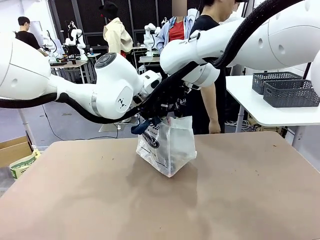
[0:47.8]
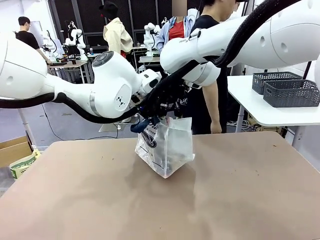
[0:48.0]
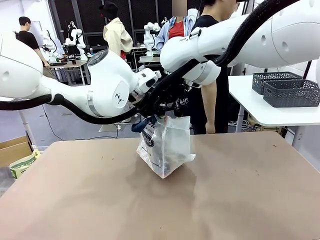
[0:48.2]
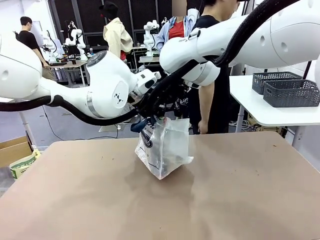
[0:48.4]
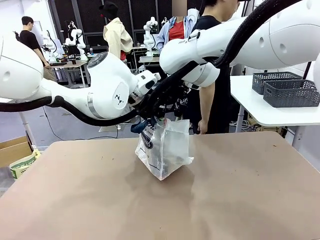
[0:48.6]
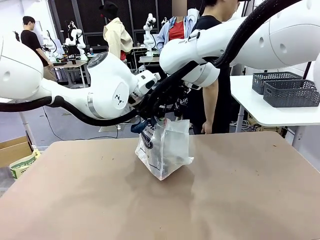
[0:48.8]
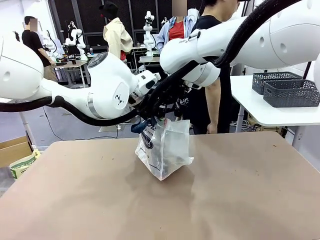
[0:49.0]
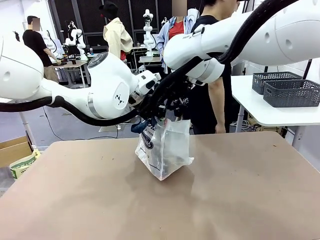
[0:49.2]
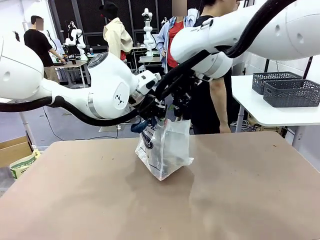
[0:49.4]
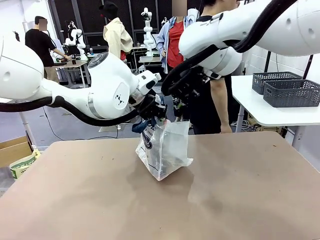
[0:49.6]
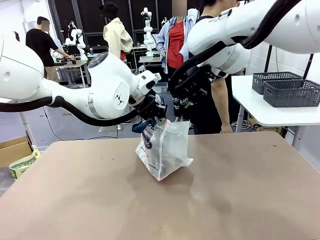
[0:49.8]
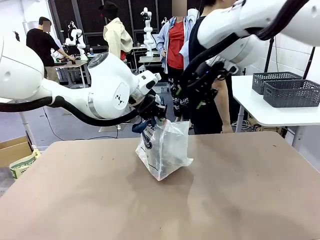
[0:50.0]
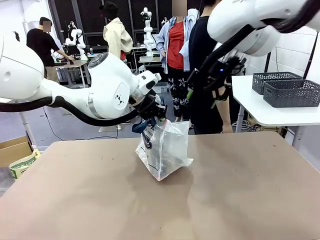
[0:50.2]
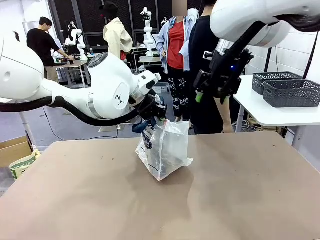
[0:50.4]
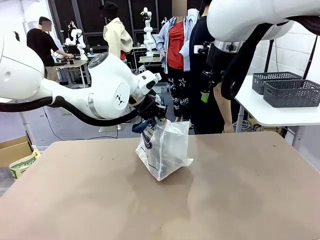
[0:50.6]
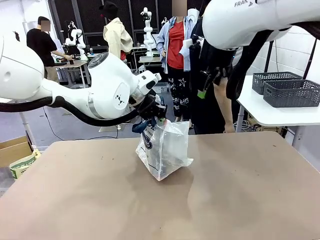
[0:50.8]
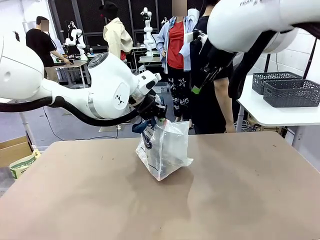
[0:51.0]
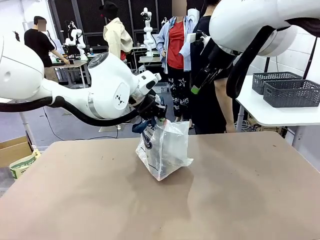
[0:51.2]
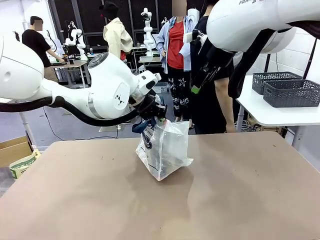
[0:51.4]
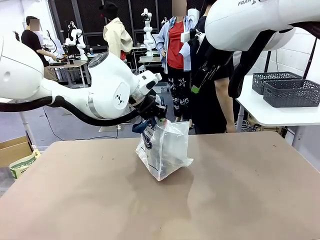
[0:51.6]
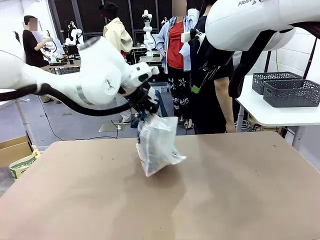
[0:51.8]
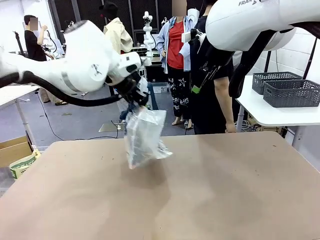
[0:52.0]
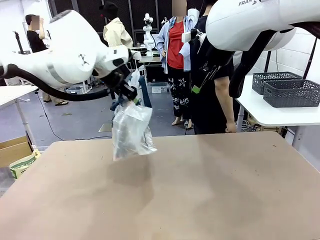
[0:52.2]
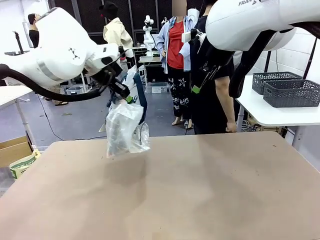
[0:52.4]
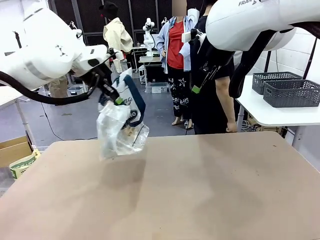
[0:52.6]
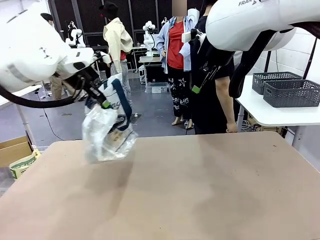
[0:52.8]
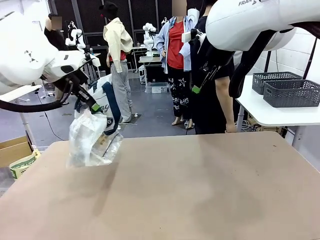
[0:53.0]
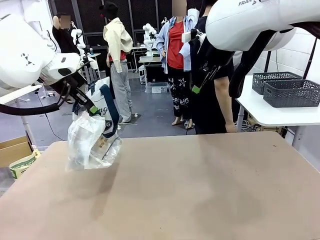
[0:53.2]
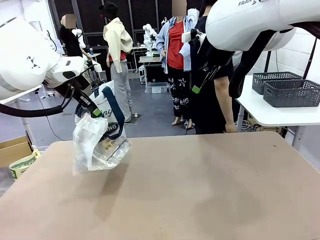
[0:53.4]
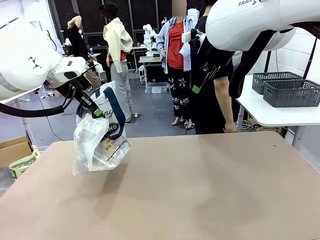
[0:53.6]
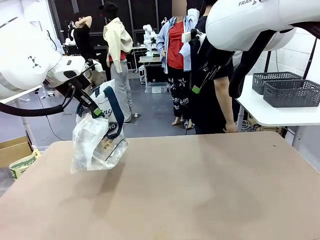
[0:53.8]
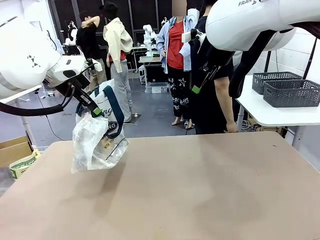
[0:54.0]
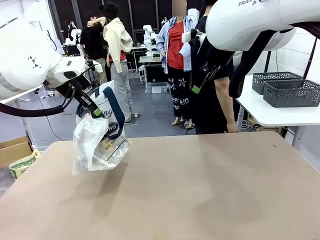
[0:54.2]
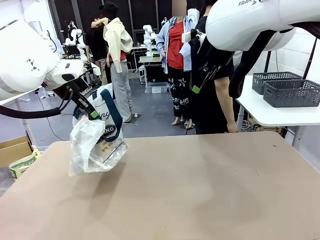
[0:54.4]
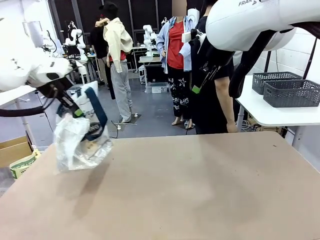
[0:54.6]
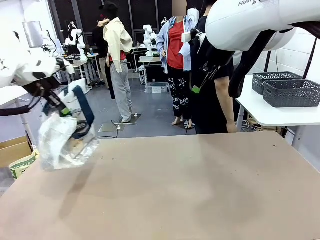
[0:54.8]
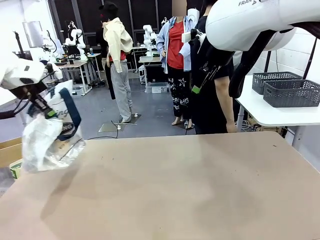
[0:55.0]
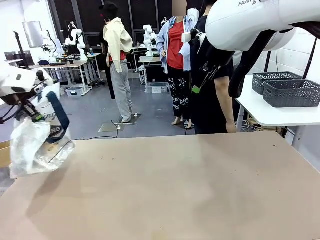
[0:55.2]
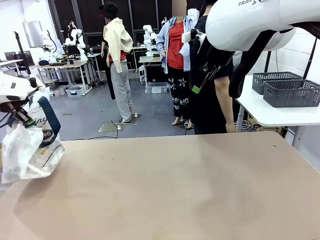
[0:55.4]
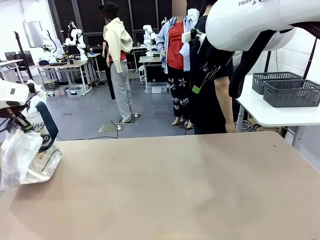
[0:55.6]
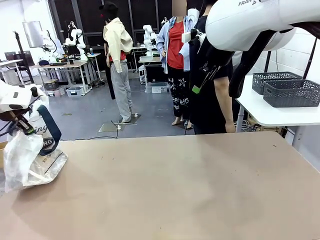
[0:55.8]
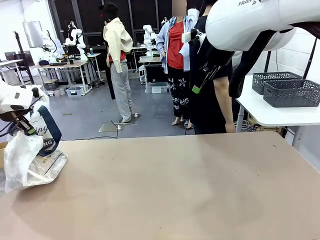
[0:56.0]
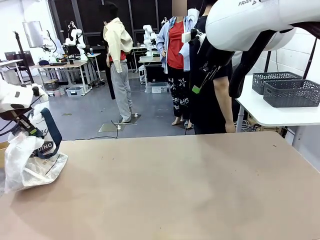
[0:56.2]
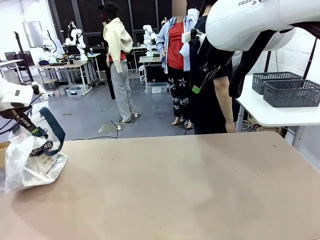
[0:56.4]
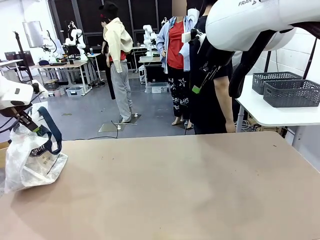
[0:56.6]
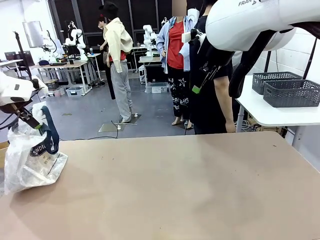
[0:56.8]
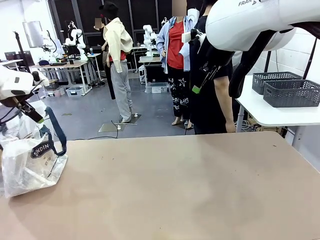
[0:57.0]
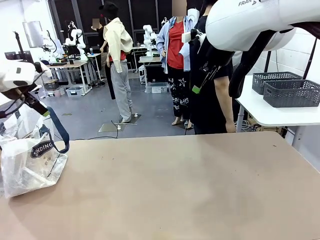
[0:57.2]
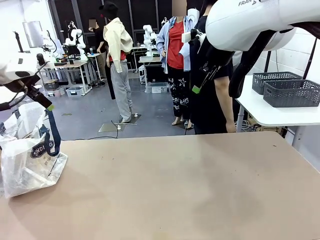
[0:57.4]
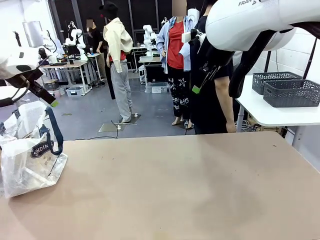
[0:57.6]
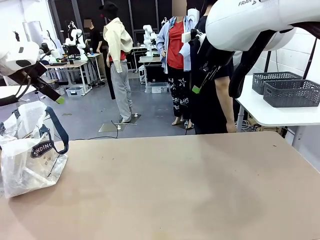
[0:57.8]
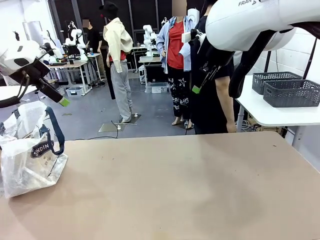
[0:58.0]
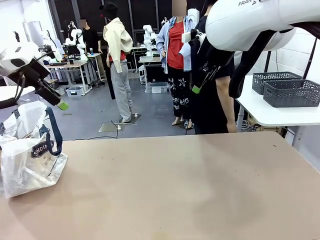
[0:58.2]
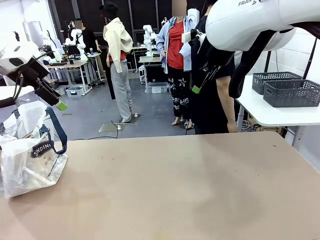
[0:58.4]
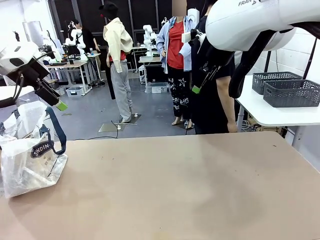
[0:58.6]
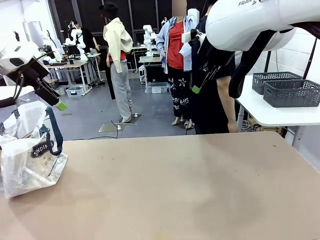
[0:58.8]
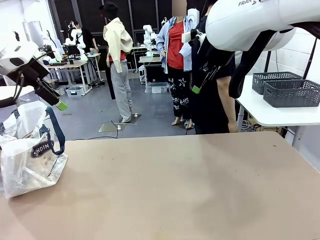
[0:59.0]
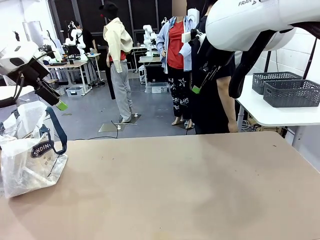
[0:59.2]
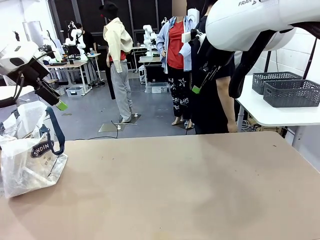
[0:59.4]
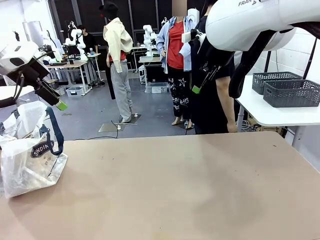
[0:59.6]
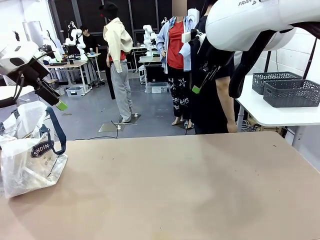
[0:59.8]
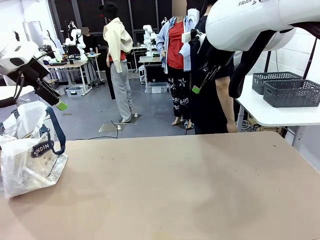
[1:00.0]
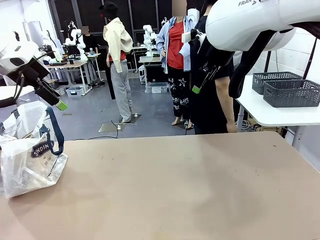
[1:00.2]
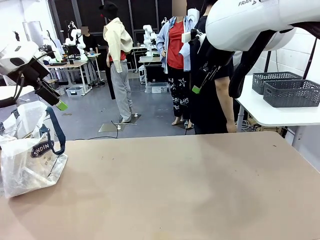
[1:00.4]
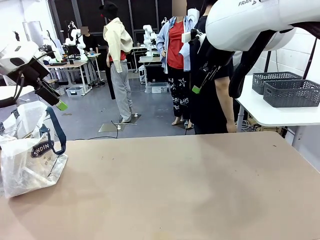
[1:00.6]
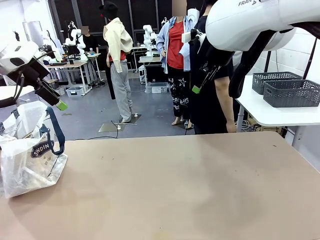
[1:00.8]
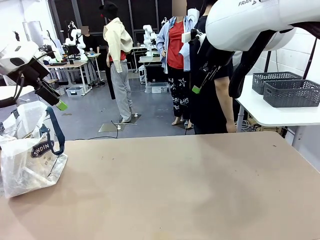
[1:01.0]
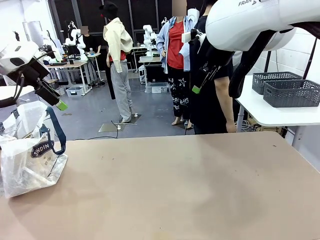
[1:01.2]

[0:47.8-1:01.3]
Task: Transfer purchased items from the store into the shopping bag.
Robot: Move the Reusable shopping bag to the right side of the table.
Person: Move the basket on the left to the middle of the person's table.

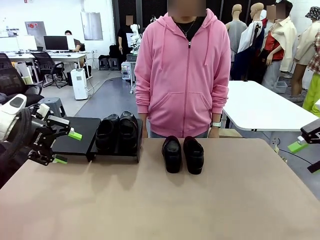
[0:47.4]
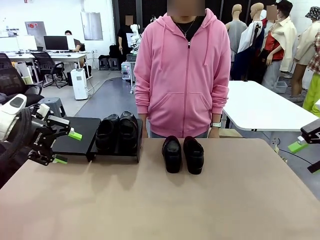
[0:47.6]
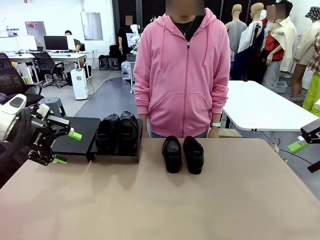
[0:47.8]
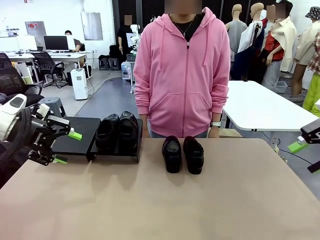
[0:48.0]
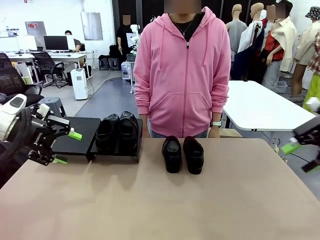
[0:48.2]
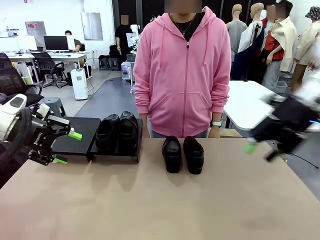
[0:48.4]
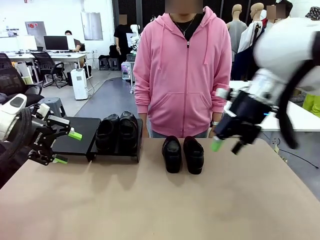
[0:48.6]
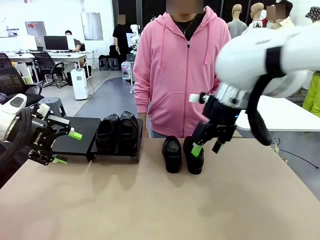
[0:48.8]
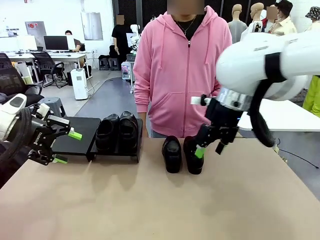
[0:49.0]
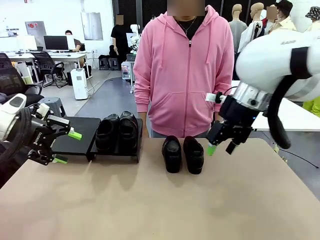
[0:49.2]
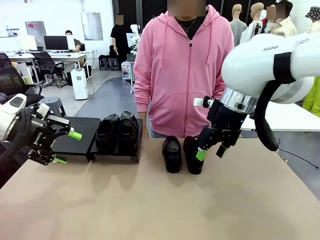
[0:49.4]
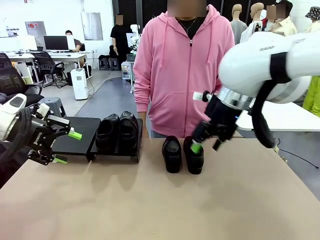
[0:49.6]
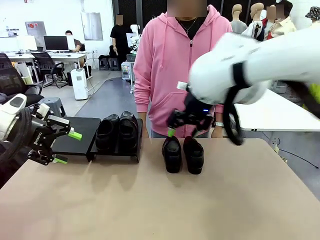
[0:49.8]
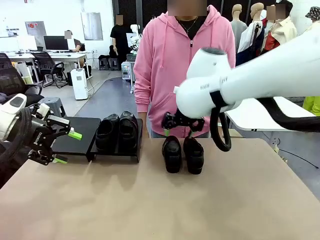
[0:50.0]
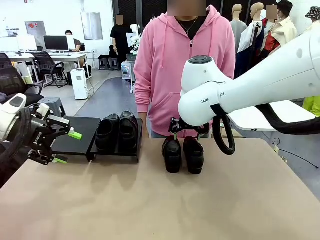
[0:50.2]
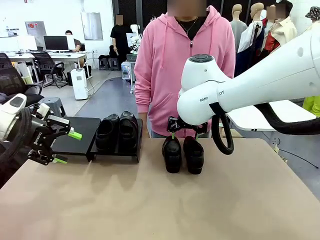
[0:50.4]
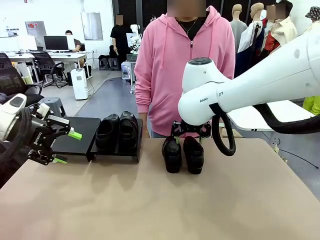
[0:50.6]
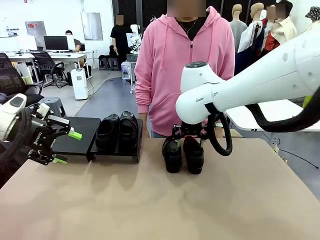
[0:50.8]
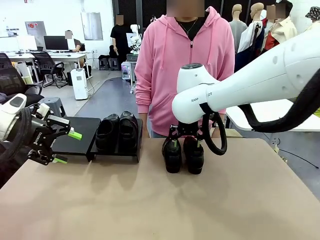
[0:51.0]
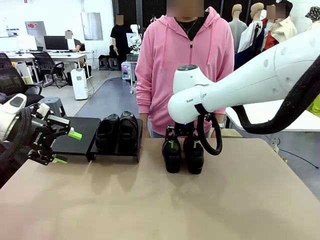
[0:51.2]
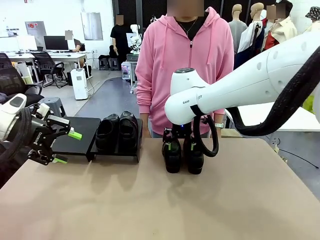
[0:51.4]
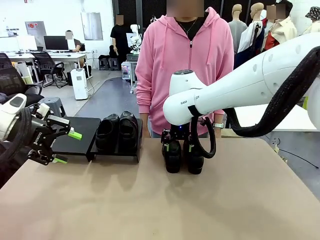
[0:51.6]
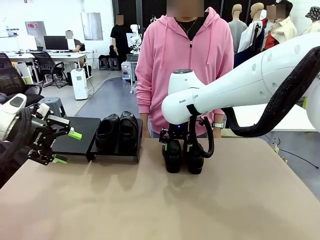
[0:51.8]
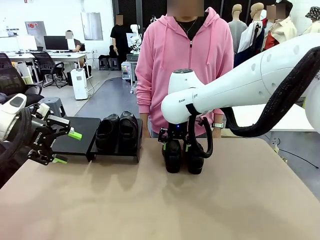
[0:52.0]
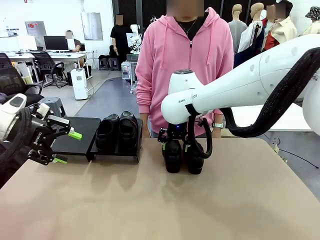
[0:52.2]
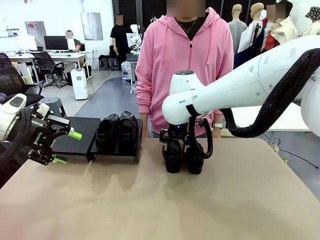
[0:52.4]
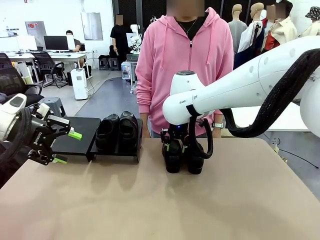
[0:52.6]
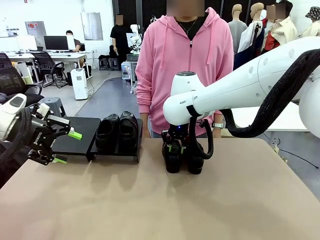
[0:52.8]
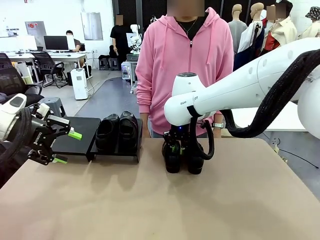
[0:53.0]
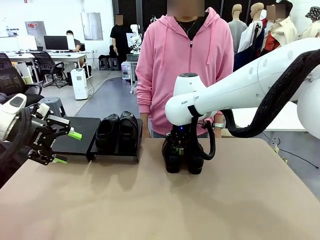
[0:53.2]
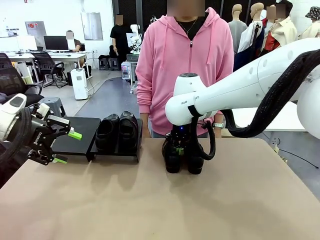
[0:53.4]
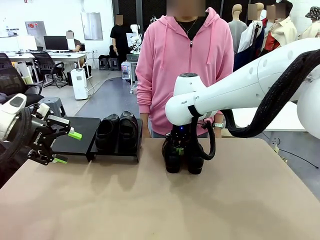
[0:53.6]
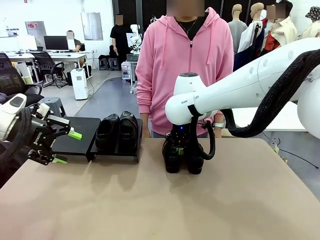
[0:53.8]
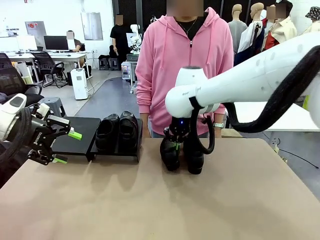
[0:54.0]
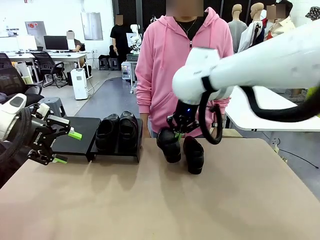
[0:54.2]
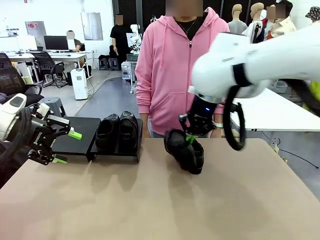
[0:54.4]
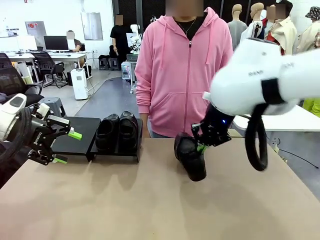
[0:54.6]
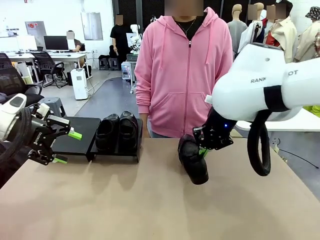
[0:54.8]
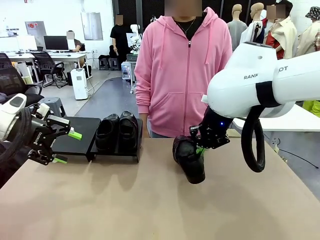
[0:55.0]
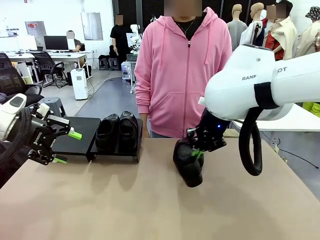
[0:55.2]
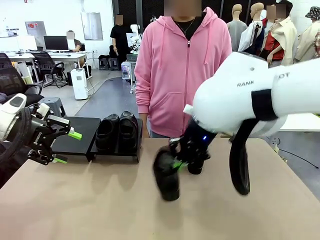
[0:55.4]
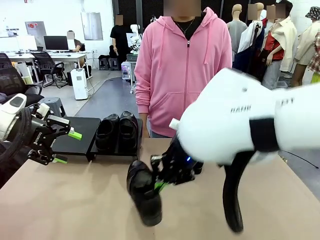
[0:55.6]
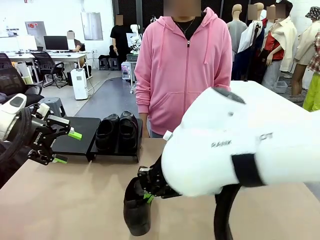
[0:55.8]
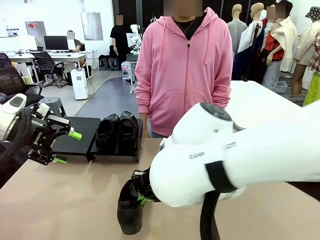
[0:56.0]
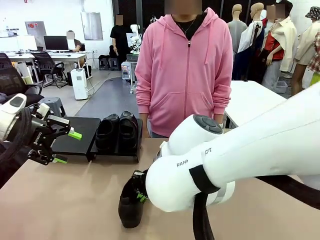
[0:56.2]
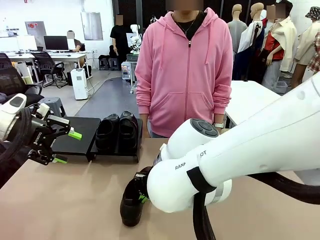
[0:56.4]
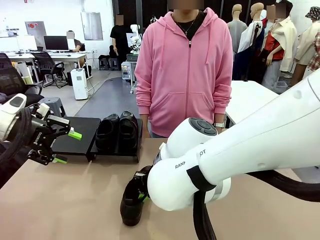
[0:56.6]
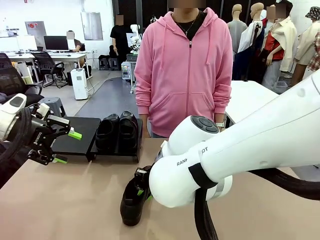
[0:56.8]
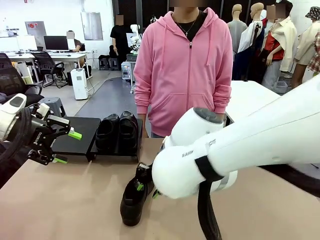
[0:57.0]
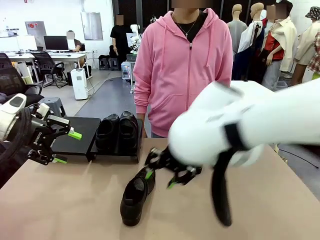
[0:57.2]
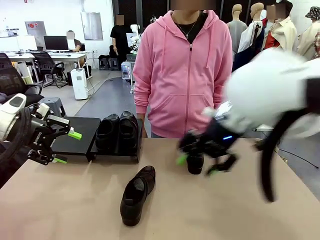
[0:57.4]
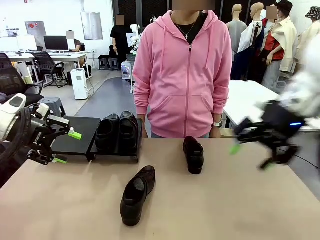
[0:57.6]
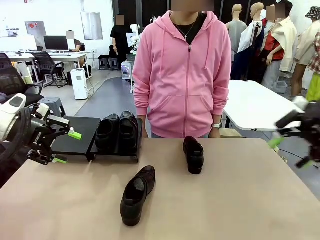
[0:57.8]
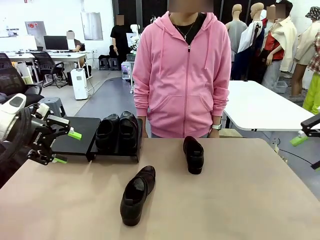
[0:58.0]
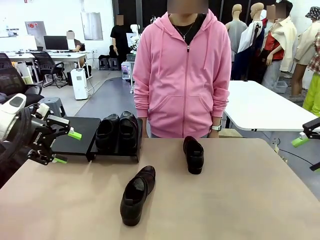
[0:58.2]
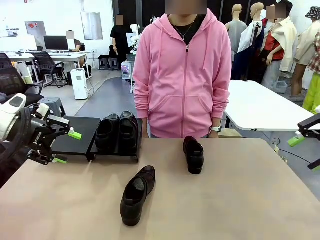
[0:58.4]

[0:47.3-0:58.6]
Task: Organize the shoes by placing them on the stand.
Robot: Pick up one Shoe and place it in the middle of the table.
